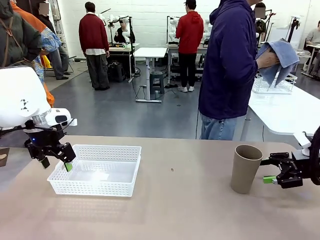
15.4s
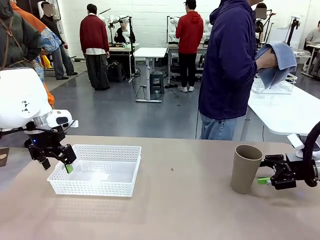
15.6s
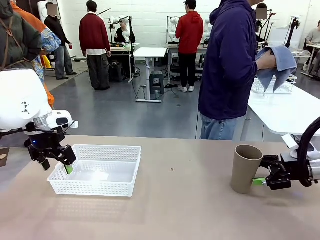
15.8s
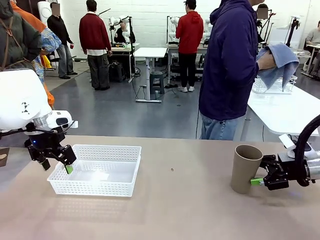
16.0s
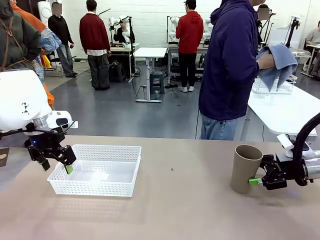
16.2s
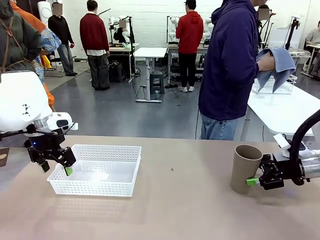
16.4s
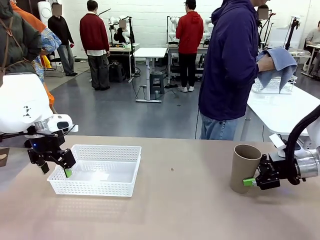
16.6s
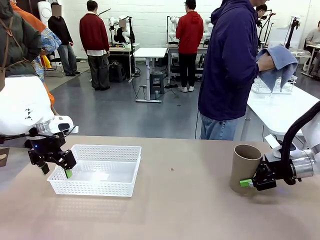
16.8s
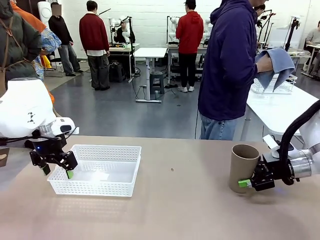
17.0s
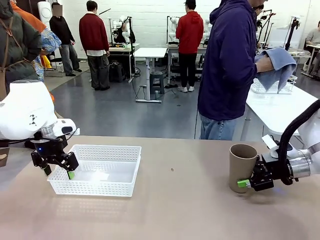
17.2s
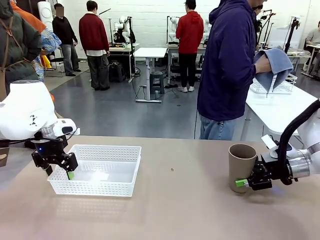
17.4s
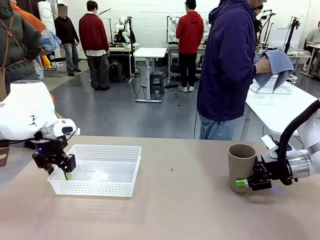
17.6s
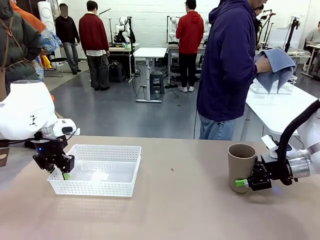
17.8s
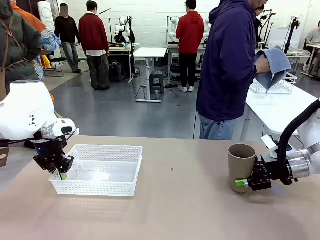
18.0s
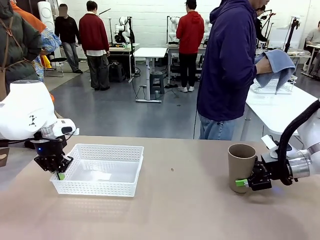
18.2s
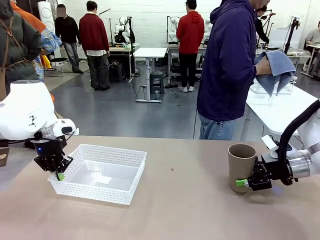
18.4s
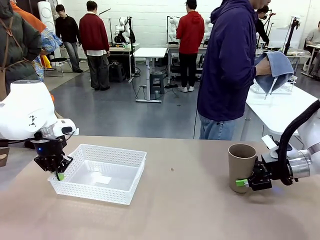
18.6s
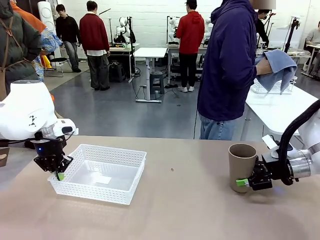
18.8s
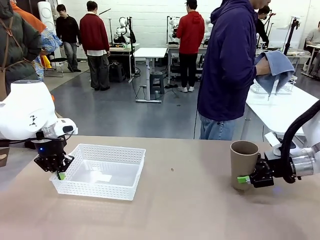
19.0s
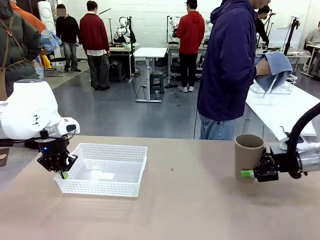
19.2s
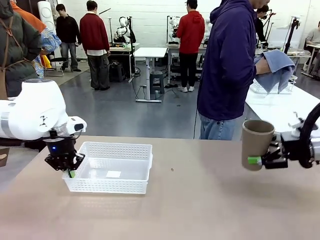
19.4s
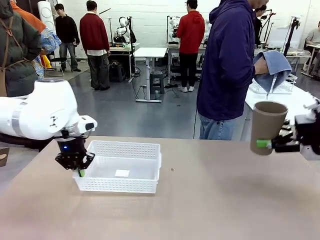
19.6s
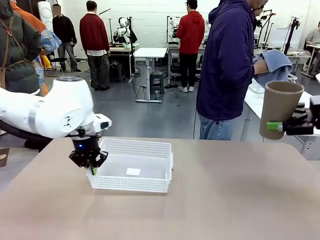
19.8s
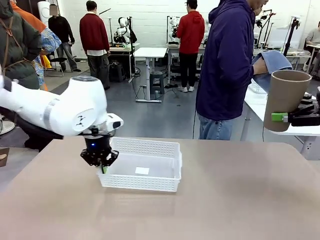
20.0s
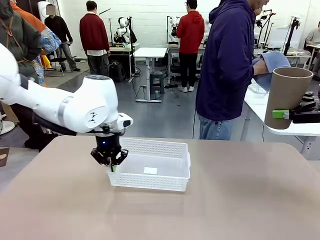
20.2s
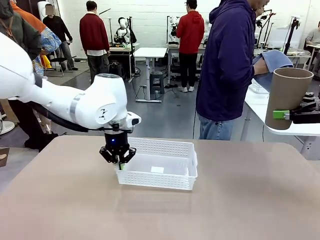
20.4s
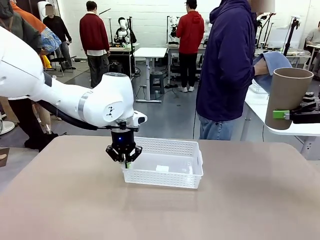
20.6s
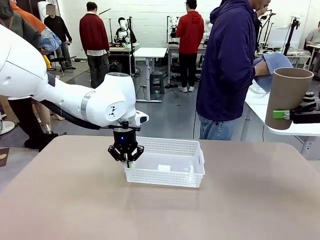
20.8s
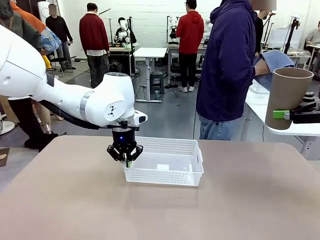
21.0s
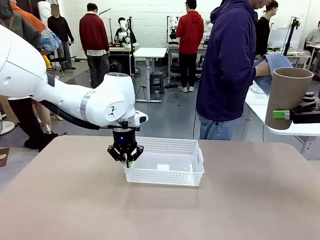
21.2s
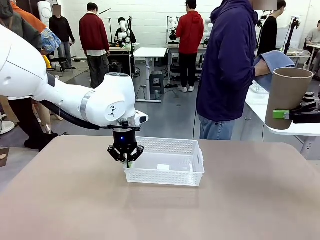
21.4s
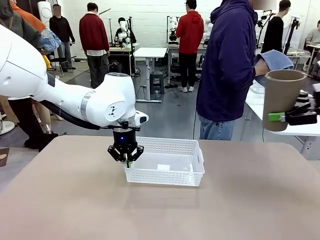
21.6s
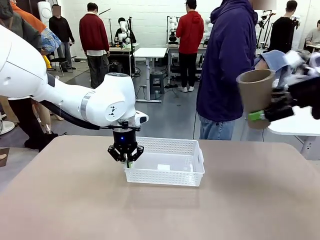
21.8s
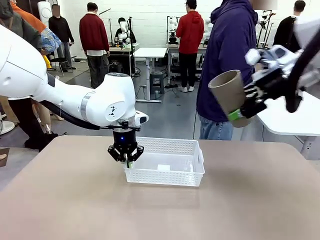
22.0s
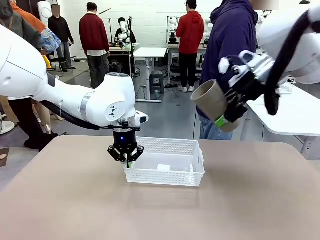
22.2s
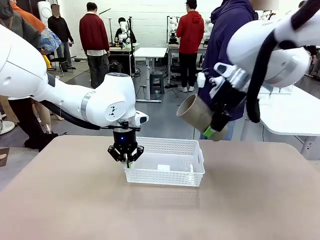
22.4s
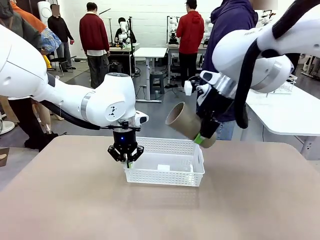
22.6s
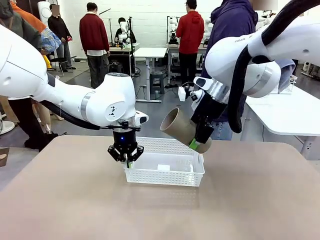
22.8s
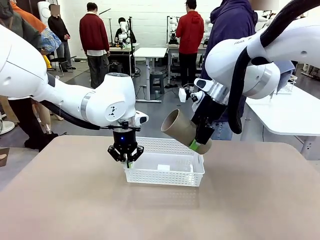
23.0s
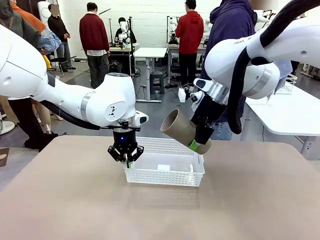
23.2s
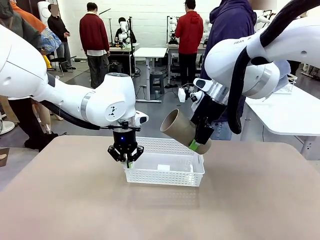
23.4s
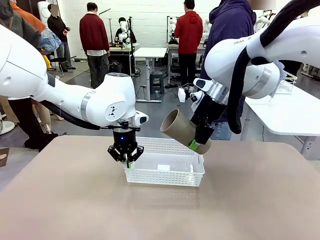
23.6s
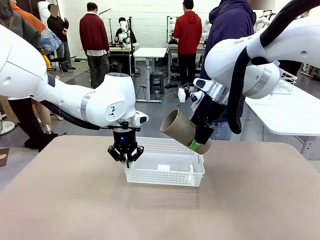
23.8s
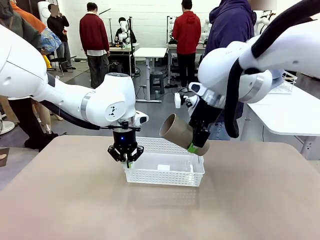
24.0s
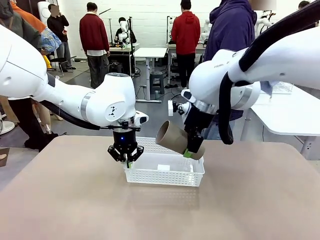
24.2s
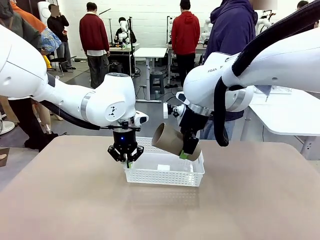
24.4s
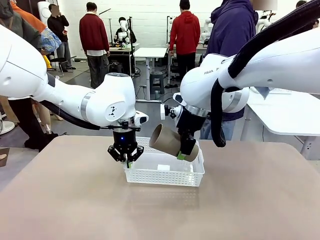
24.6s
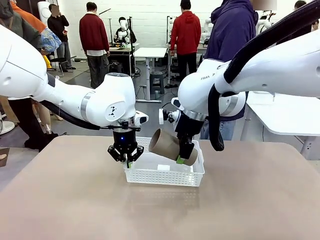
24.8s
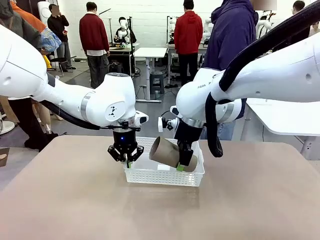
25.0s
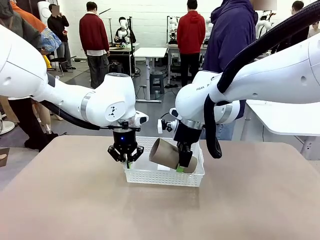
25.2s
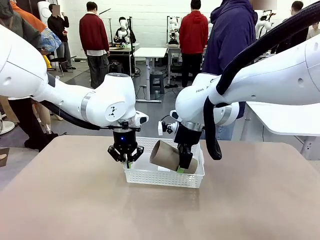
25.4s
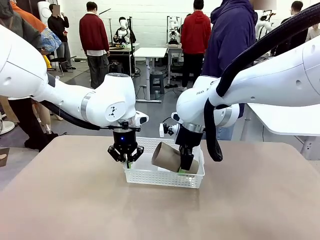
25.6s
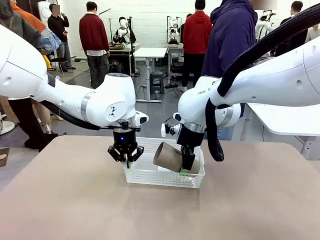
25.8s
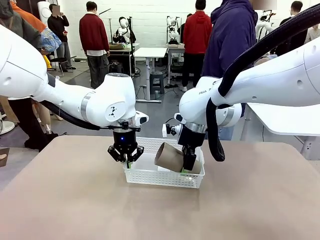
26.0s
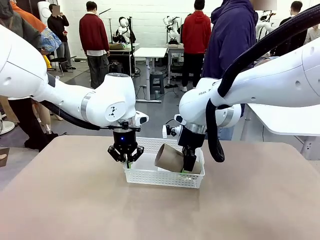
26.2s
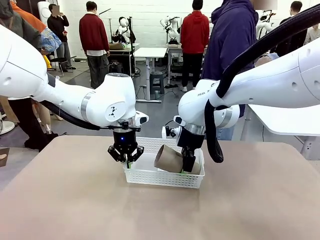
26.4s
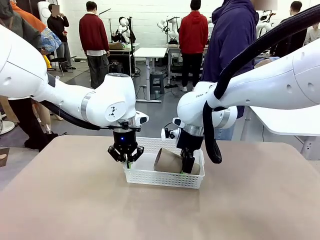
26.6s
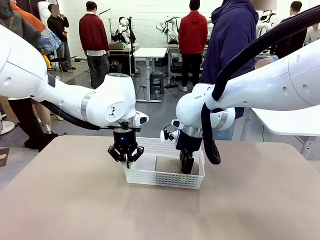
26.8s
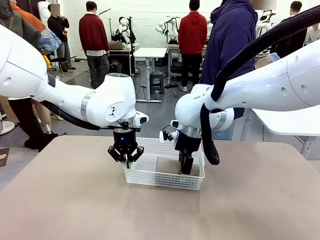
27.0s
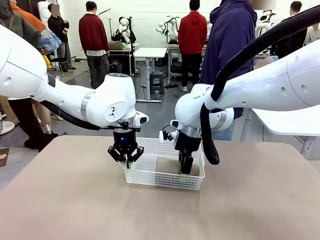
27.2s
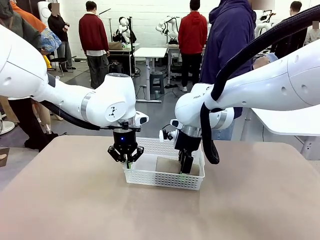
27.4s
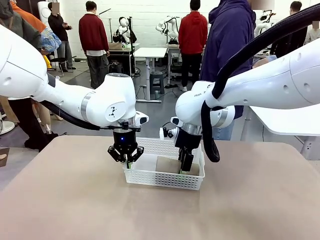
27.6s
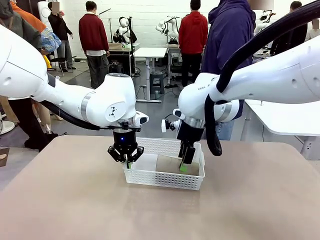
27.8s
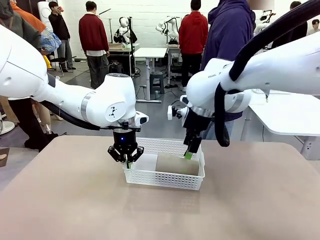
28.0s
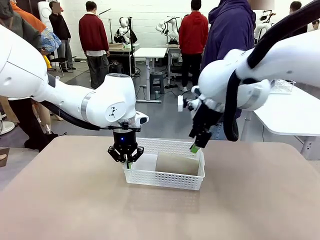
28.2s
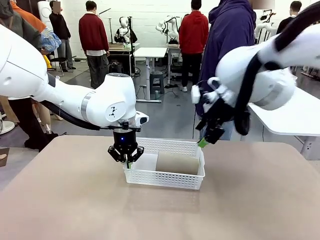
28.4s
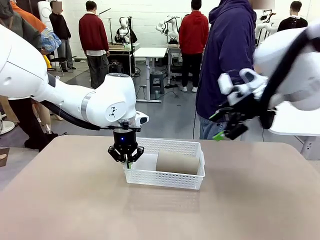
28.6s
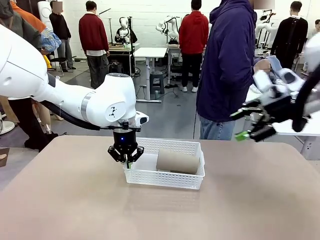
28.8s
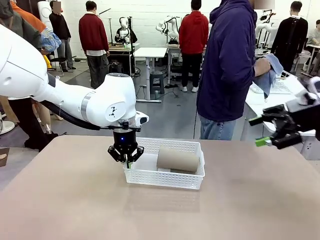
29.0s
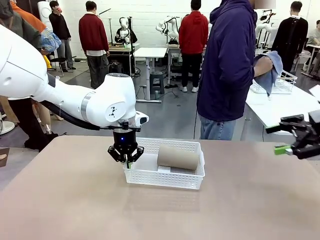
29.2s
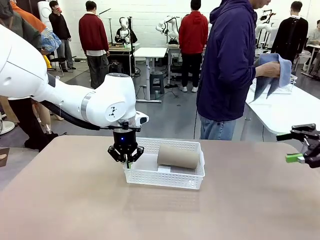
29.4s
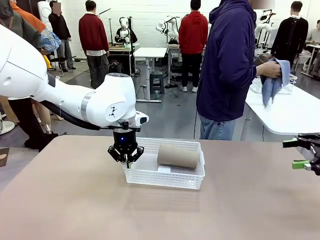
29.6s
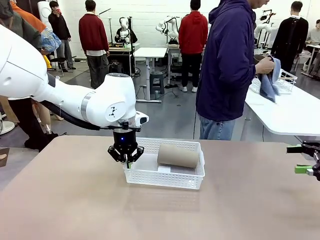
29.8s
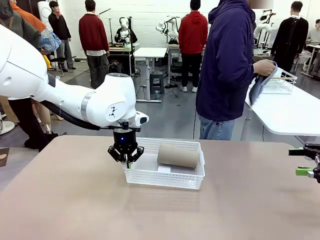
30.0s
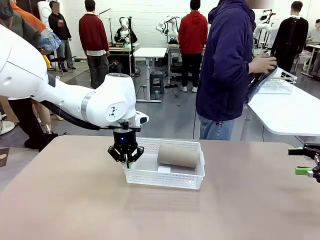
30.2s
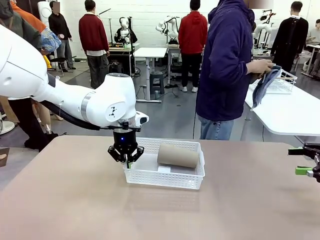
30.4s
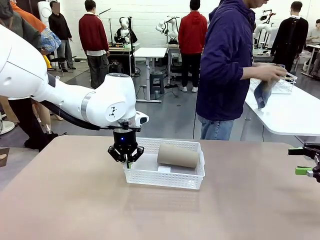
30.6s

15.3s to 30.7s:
Task: Clean and organize the cups into the basket.
Robot: Pick up the Organizing basket and move it to the center of the table, then pick up the Reusable plastic cup from the right side of the table and place it inside the Organizing basket.
